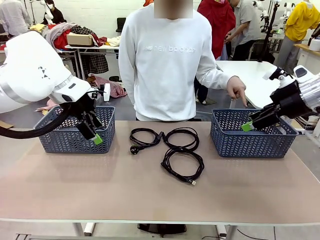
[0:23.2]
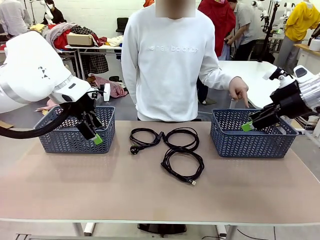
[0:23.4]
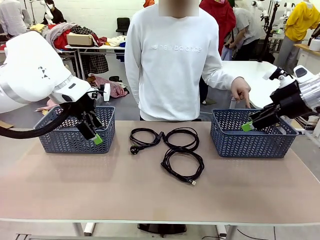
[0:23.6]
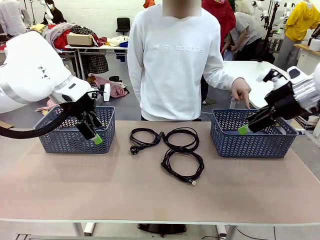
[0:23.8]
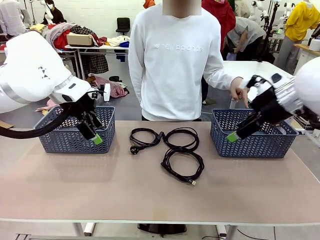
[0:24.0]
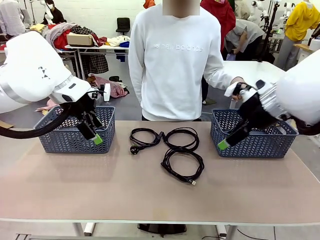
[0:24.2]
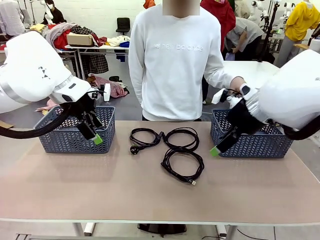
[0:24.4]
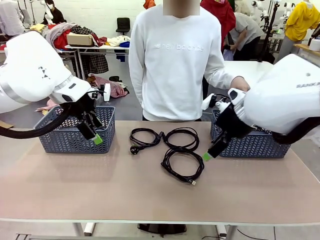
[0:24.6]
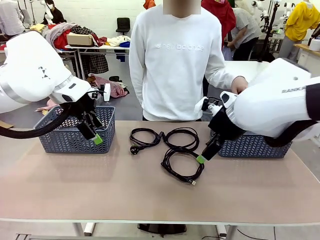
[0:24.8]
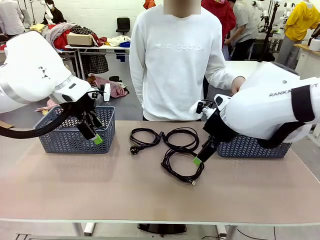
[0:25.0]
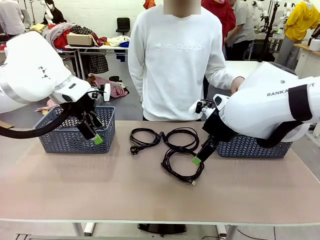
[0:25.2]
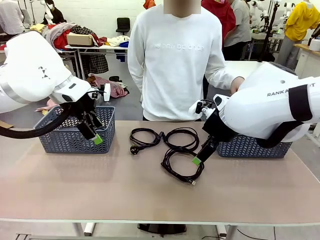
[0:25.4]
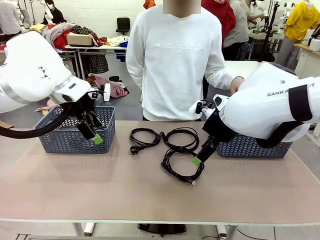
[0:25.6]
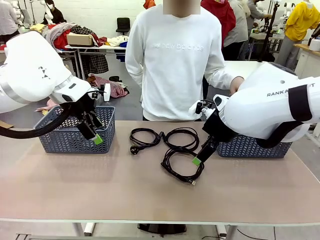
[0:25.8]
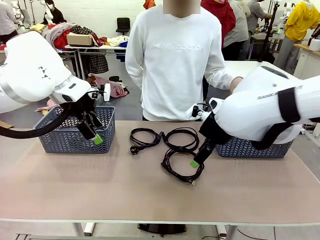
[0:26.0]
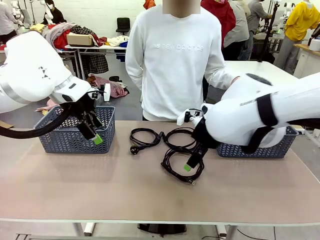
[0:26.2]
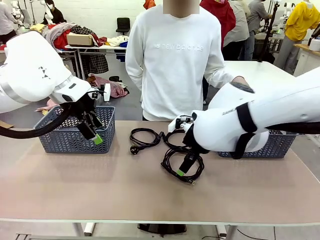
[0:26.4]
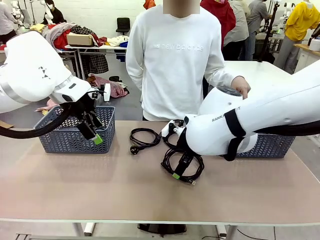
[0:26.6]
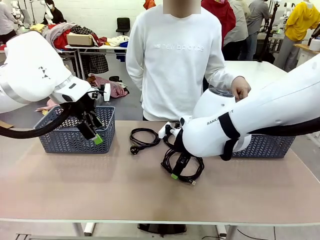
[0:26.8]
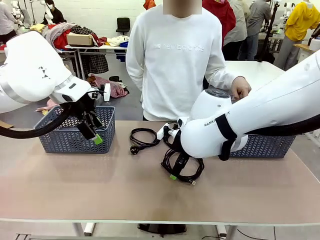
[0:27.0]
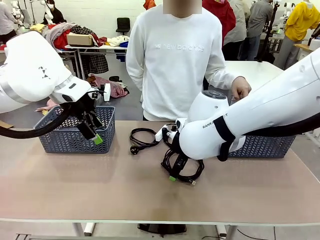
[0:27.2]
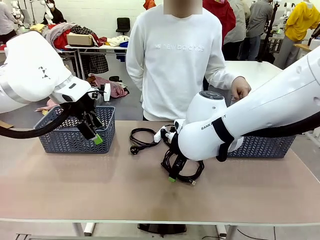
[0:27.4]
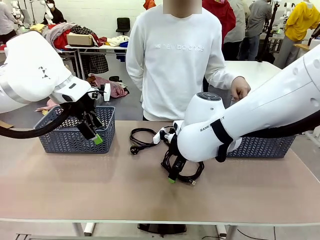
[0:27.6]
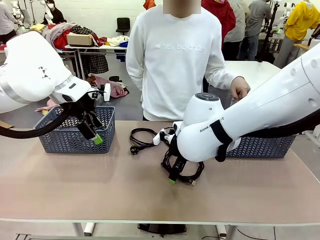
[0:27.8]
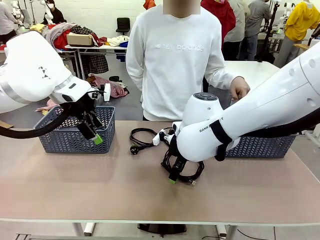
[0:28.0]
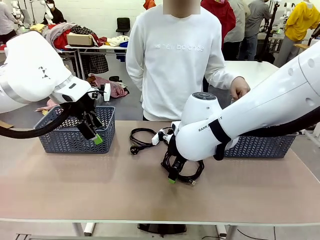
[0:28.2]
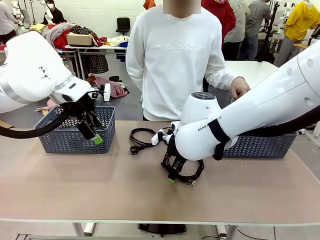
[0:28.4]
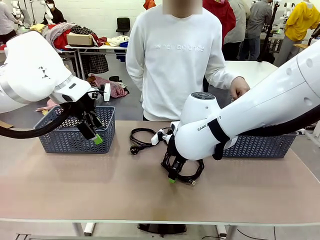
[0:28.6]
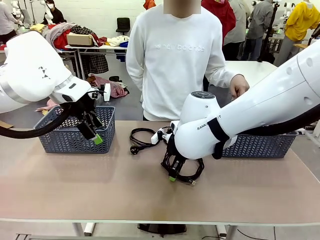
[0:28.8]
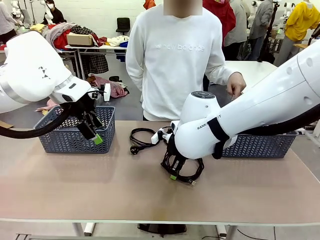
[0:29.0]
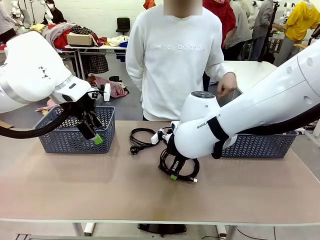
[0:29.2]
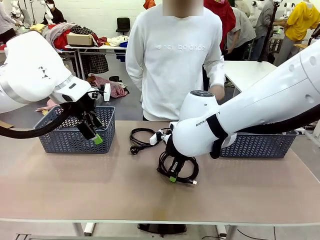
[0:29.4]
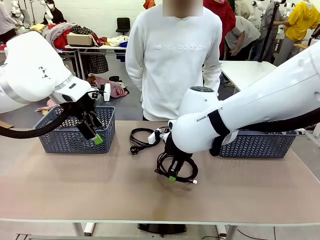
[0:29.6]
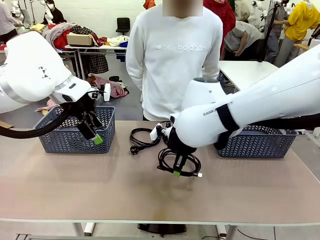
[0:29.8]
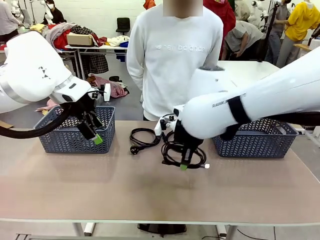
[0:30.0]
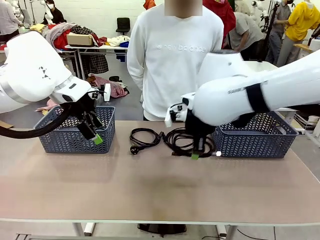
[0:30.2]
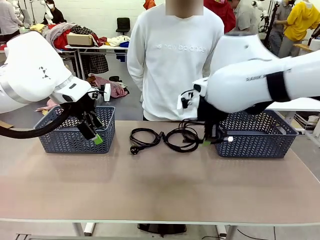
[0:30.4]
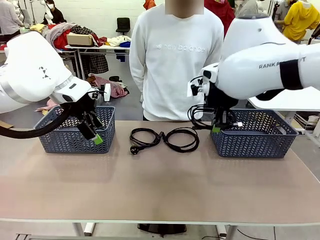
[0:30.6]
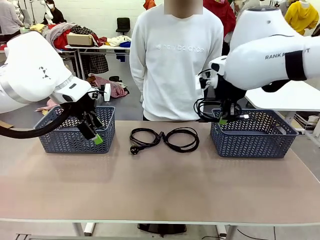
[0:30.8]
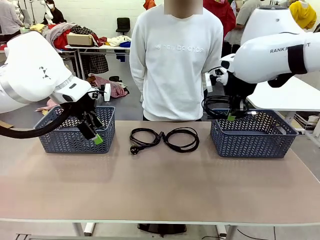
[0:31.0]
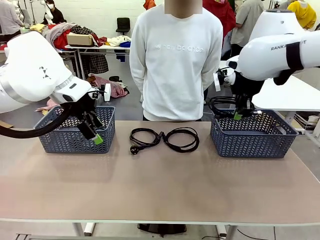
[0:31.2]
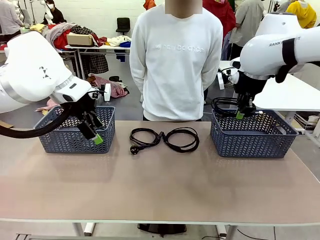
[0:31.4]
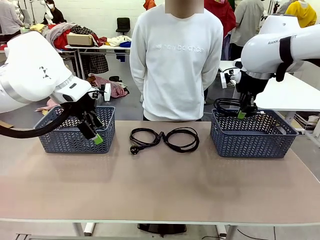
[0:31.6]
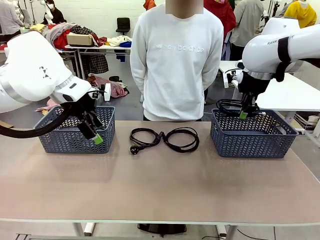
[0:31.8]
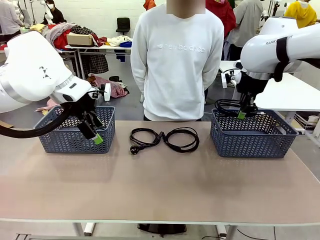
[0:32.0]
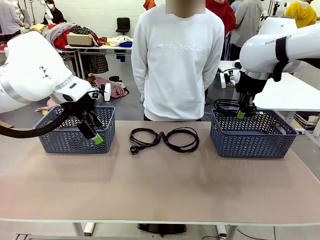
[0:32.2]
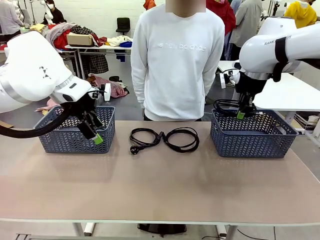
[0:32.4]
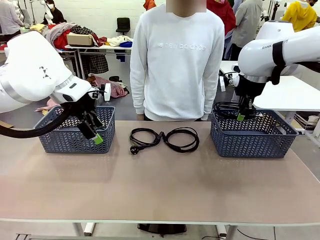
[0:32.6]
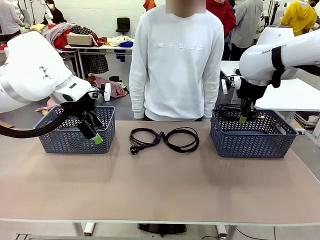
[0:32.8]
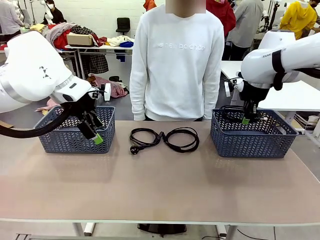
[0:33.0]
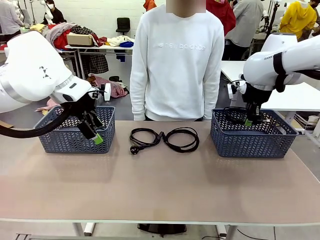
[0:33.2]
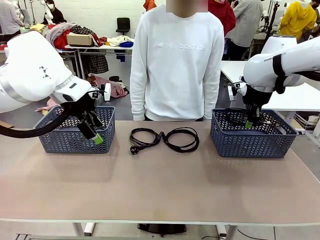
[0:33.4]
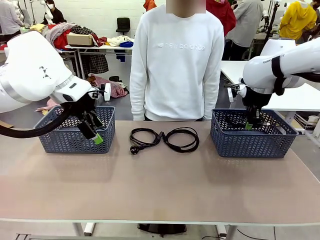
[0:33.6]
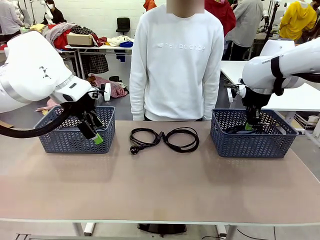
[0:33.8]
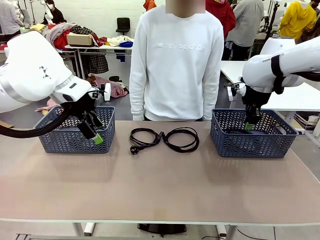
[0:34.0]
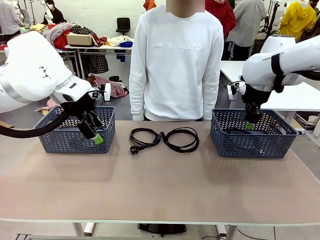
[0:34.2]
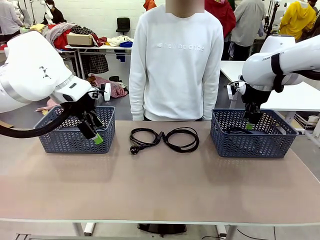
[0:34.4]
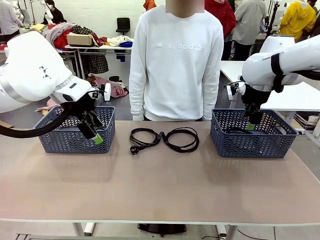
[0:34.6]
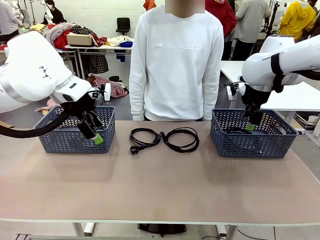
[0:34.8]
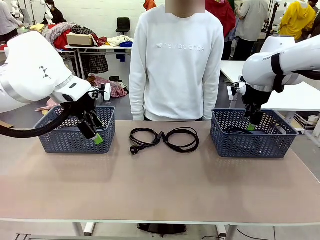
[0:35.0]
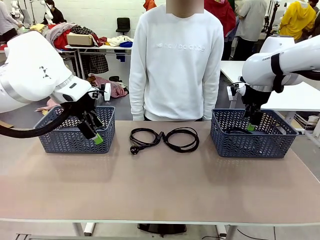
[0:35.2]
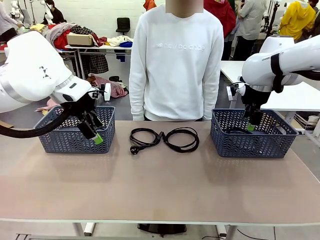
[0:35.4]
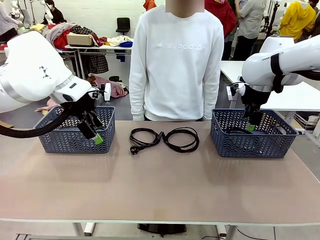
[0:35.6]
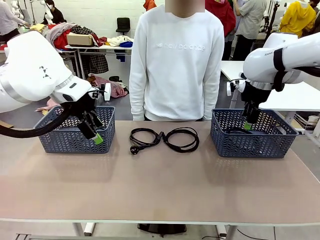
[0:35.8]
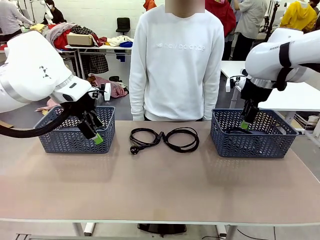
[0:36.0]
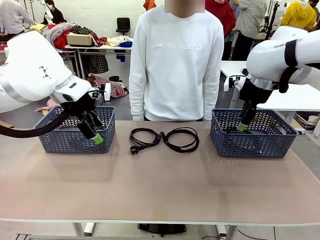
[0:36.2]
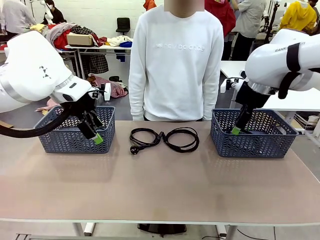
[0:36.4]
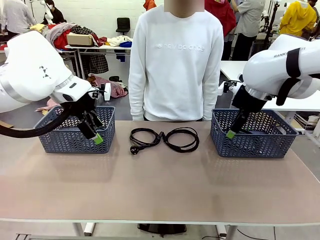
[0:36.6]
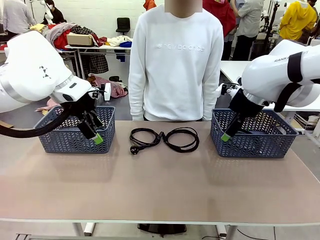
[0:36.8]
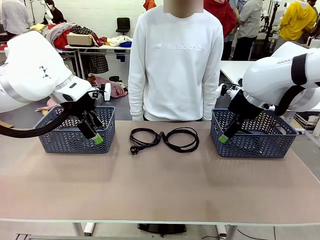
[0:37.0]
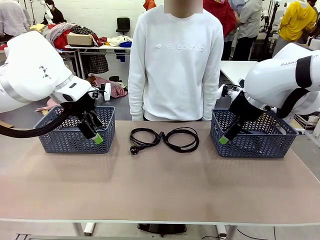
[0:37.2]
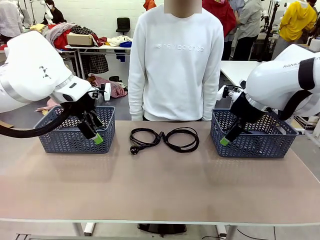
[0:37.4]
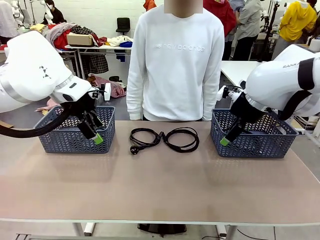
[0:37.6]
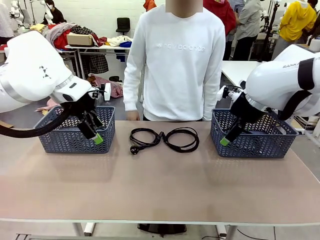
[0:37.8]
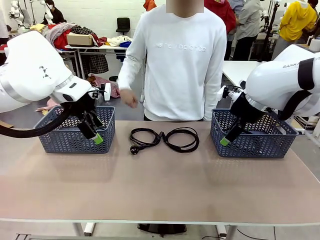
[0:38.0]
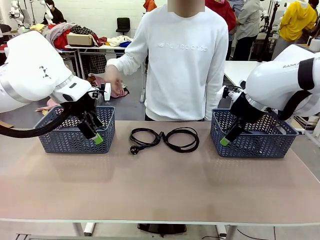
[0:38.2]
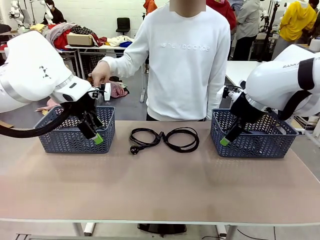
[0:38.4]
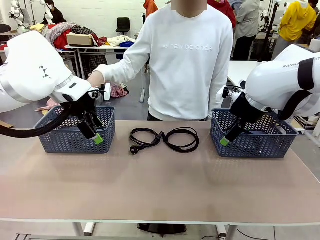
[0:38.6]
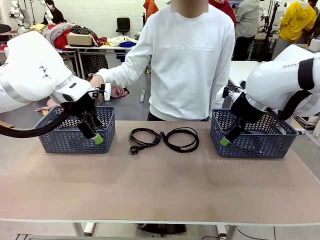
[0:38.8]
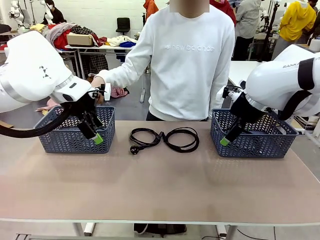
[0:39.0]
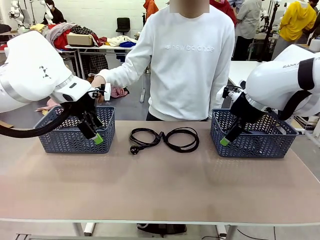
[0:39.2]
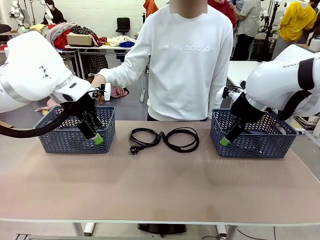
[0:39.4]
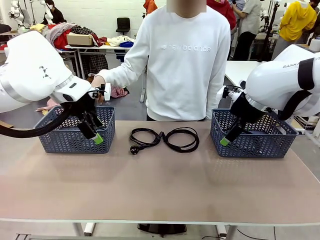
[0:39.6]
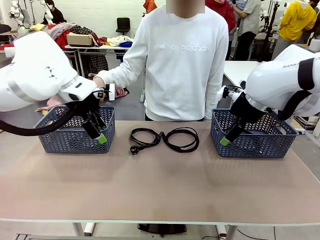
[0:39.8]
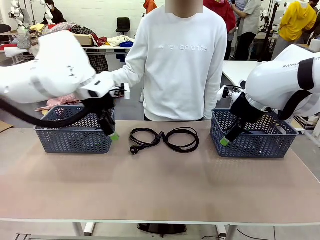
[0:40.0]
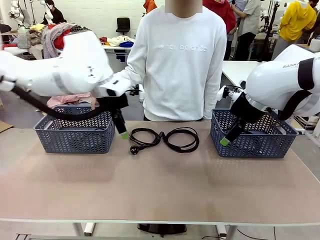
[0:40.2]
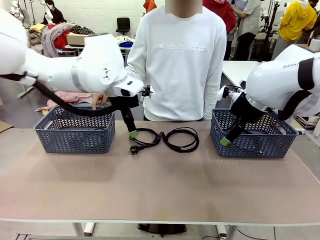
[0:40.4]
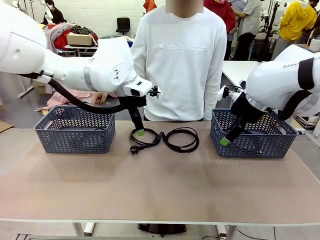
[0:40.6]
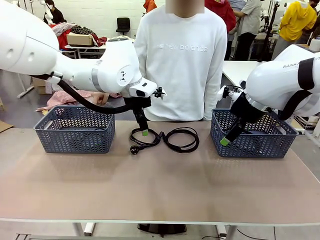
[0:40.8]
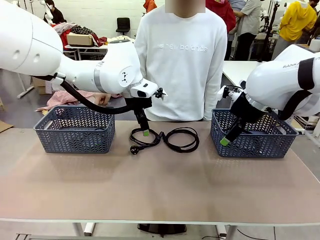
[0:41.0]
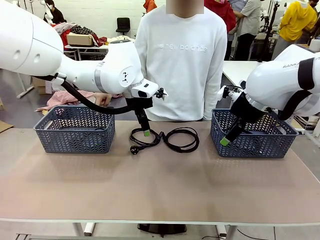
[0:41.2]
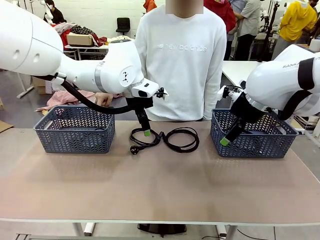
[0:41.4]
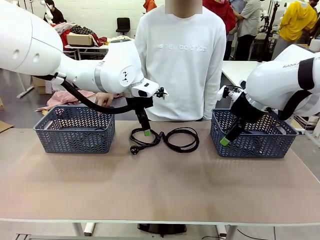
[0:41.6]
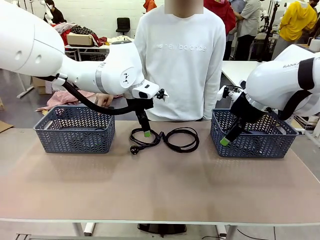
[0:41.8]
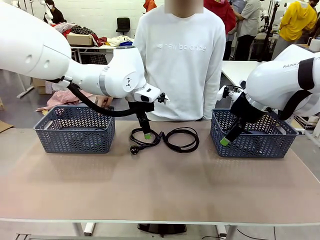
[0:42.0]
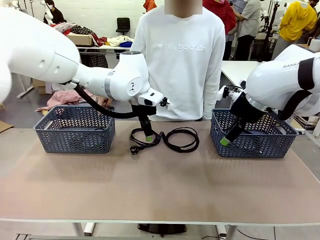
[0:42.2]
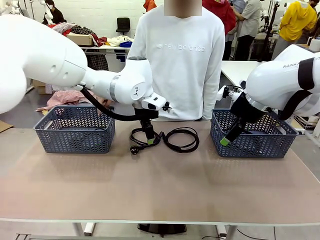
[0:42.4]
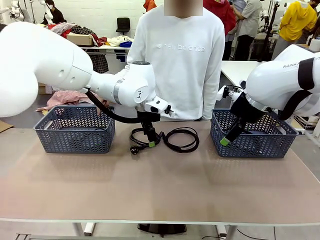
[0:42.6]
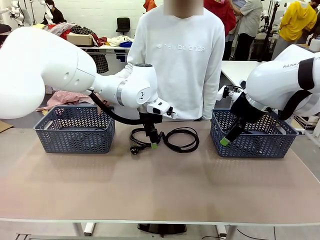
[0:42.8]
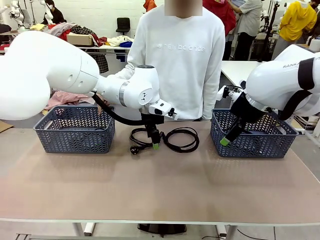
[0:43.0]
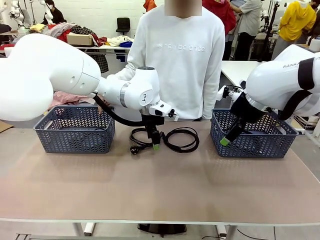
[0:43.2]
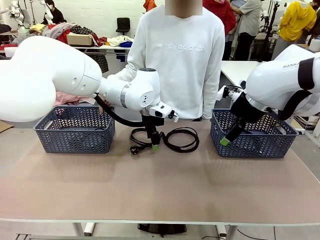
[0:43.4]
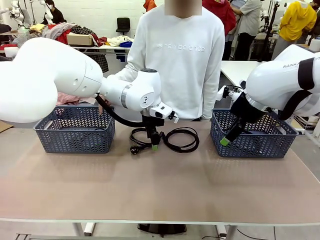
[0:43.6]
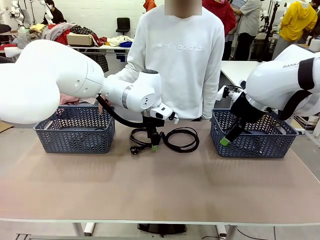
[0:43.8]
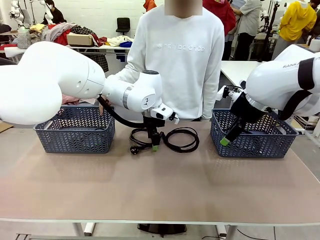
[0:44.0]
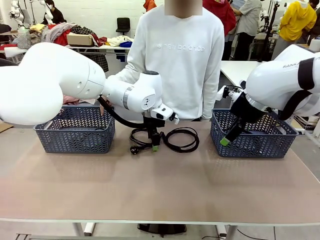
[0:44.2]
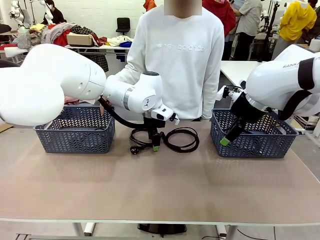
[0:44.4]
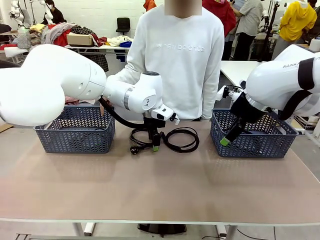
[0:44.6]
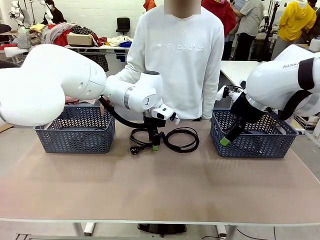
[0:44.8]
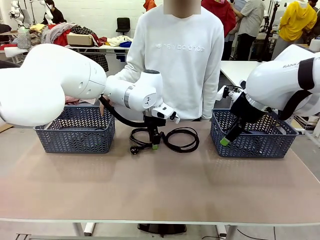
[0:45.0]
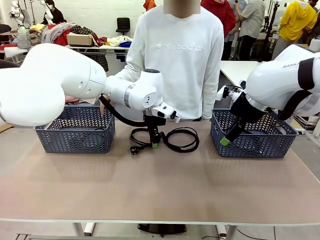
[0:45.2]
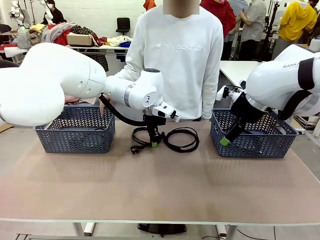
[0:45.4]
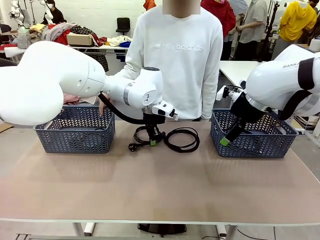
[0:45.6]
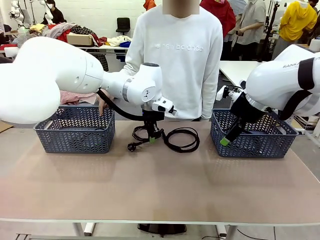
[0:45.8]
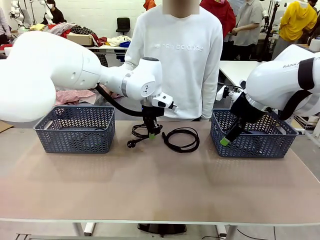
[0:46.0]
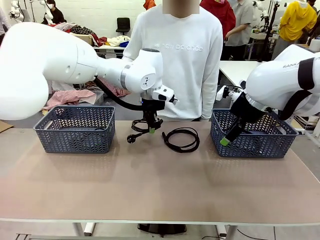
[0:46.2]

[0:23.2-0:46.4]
Task: Organize the cables according to human instructions.
Robot: Pick up a bundle of cables and place it in the basket indicated by the human.
